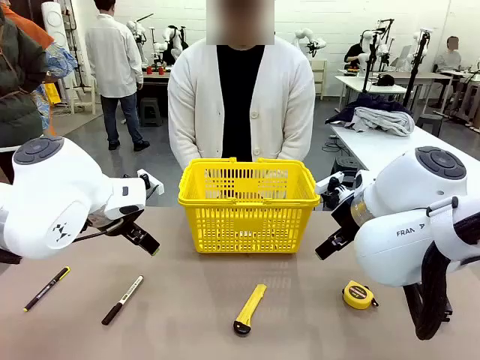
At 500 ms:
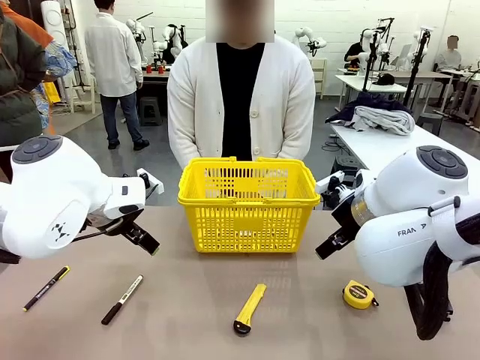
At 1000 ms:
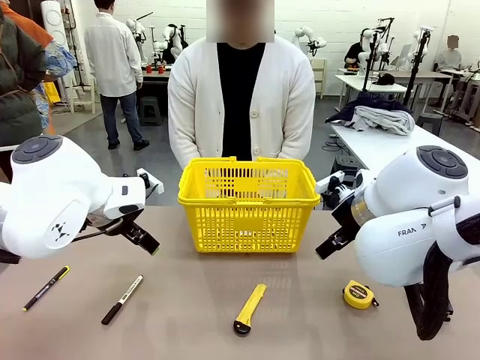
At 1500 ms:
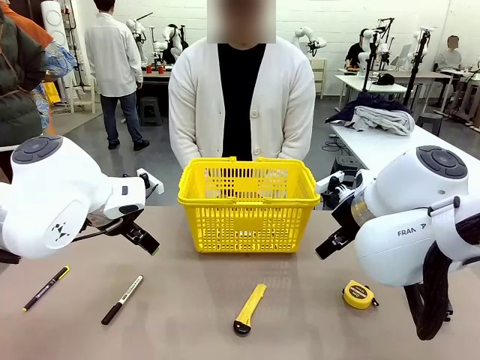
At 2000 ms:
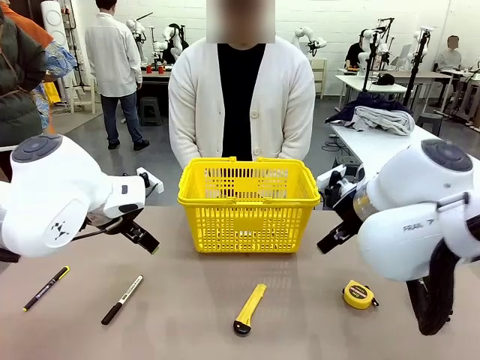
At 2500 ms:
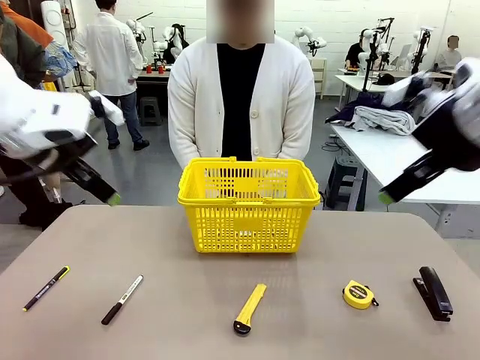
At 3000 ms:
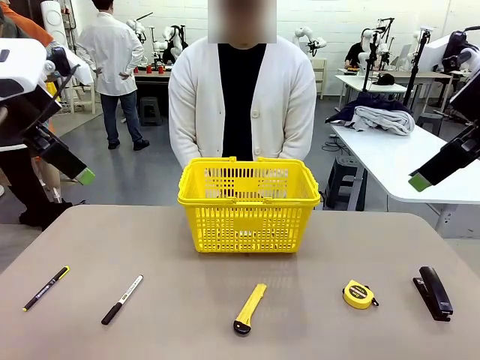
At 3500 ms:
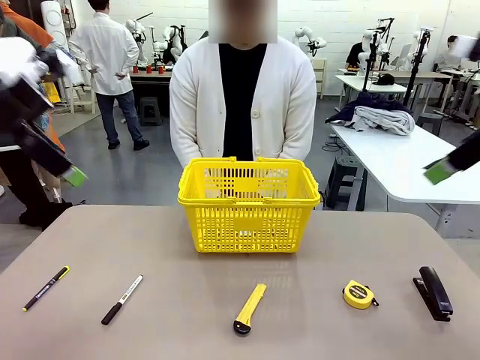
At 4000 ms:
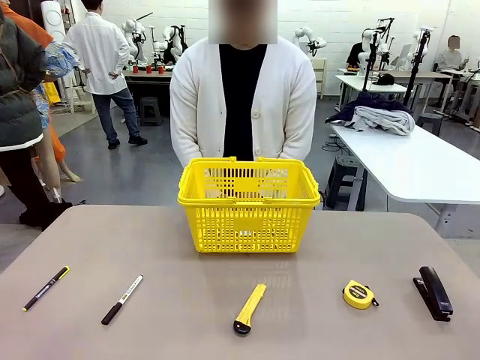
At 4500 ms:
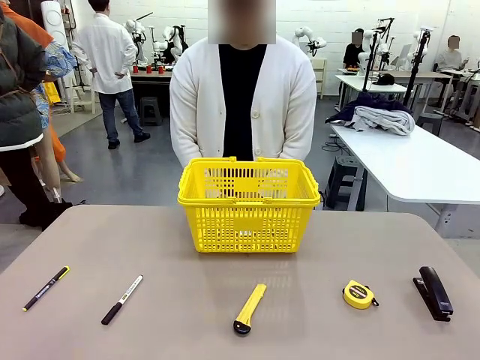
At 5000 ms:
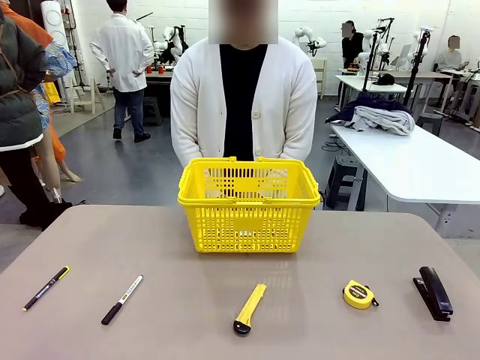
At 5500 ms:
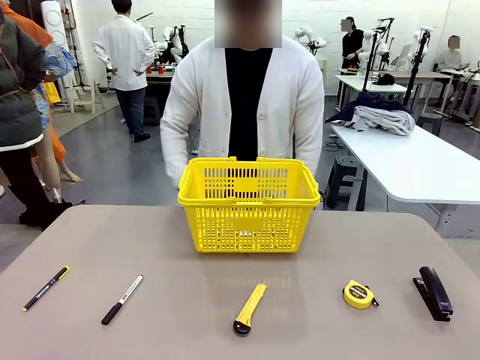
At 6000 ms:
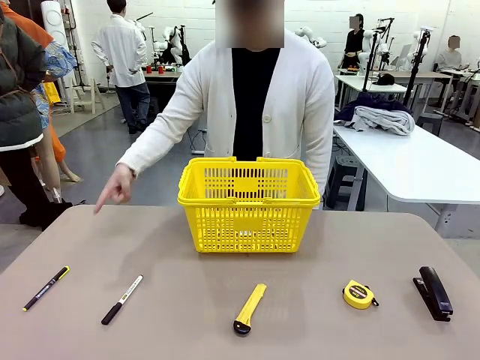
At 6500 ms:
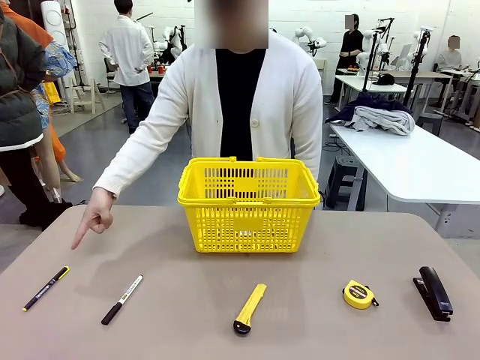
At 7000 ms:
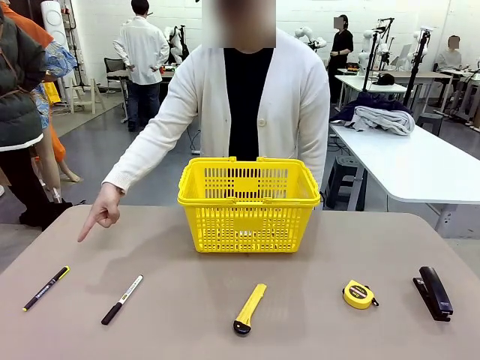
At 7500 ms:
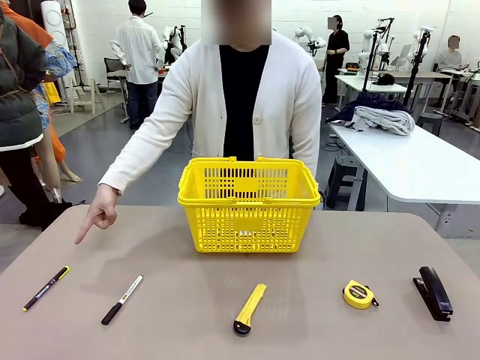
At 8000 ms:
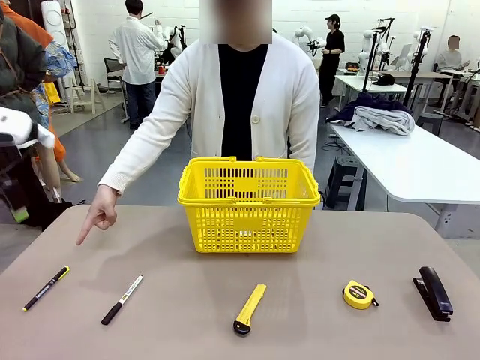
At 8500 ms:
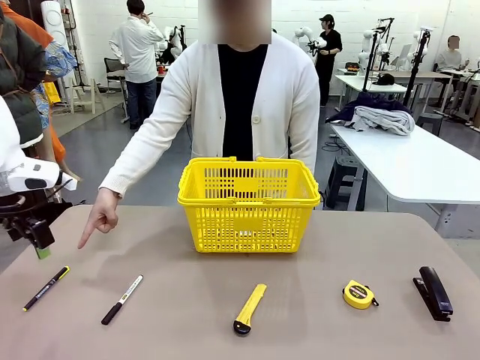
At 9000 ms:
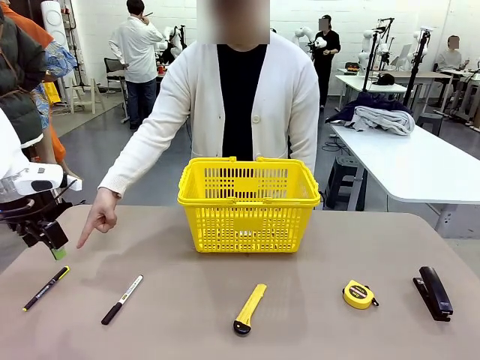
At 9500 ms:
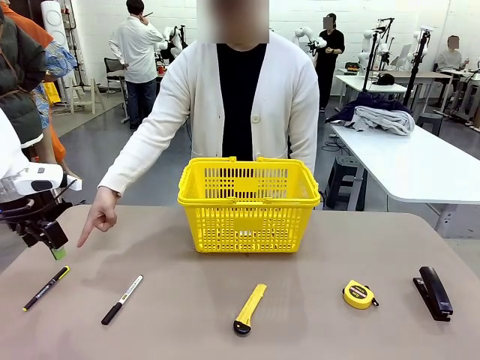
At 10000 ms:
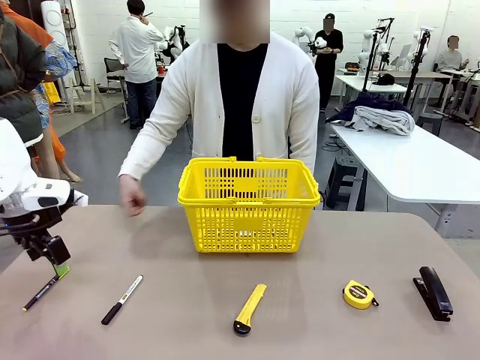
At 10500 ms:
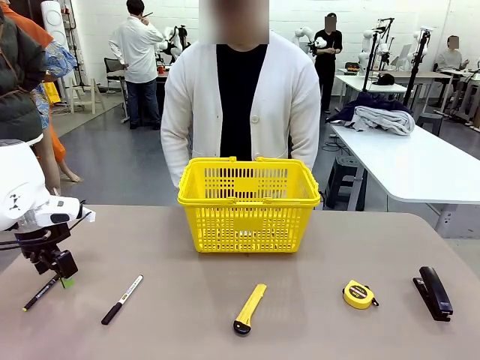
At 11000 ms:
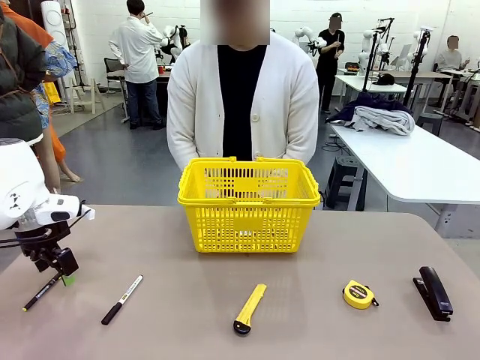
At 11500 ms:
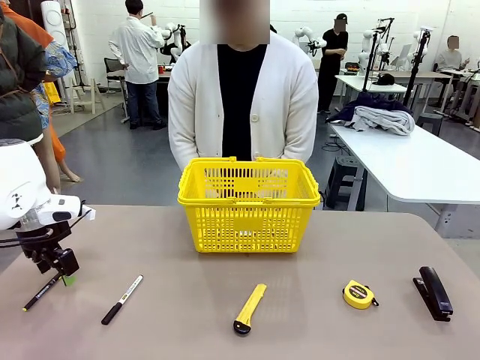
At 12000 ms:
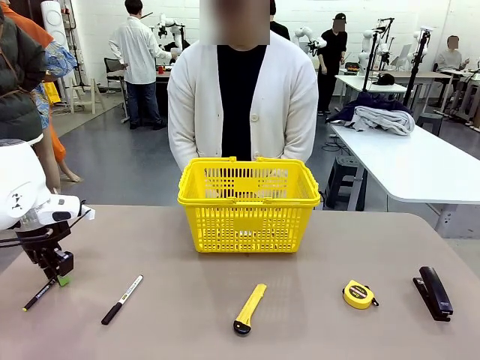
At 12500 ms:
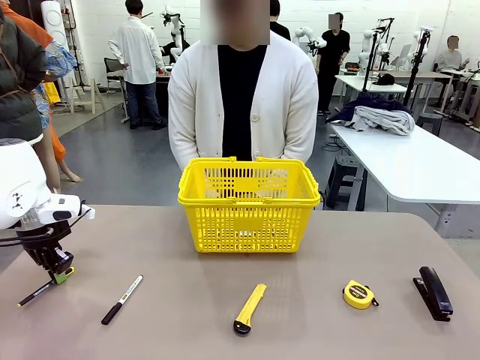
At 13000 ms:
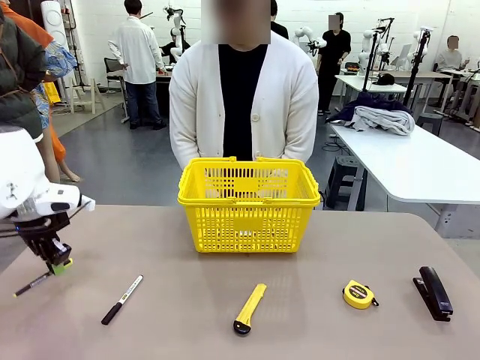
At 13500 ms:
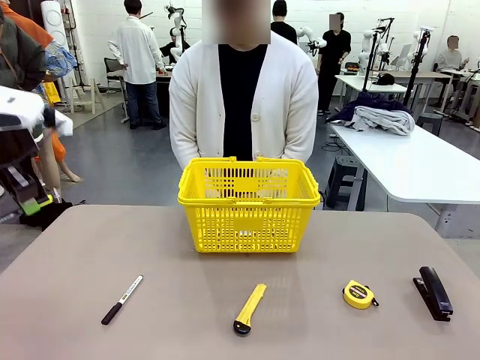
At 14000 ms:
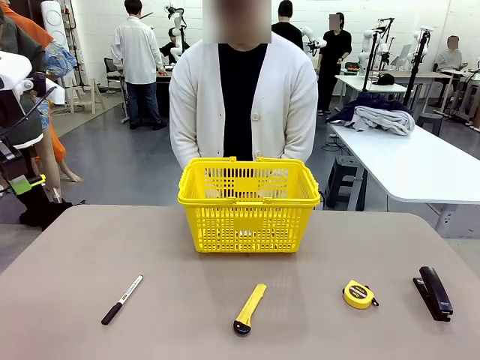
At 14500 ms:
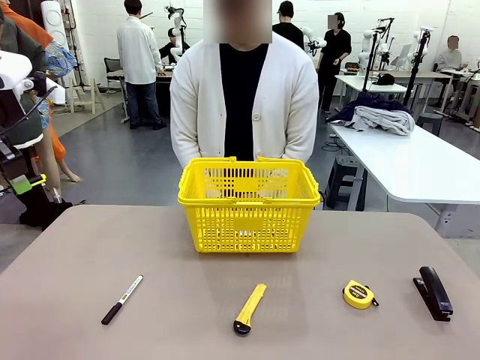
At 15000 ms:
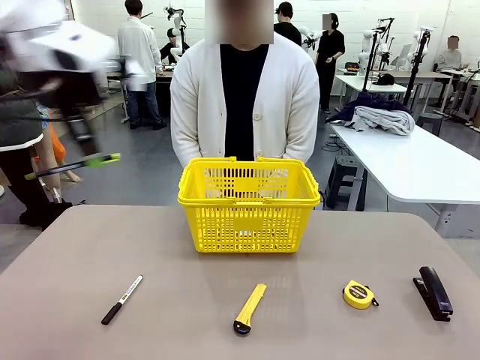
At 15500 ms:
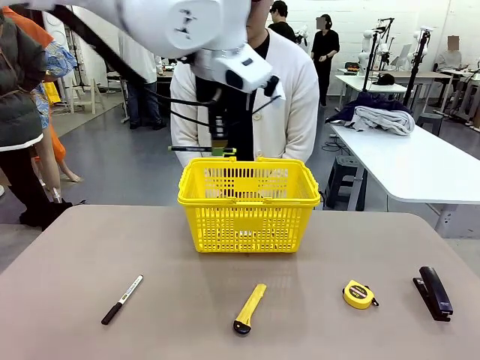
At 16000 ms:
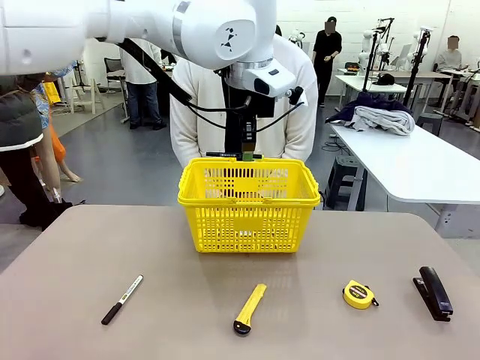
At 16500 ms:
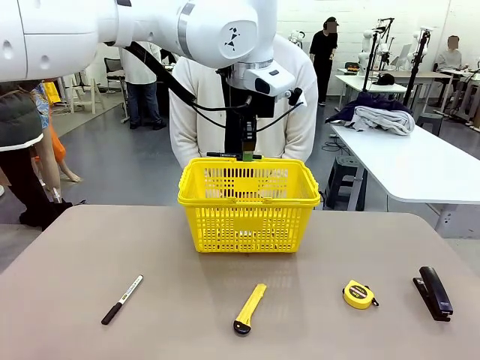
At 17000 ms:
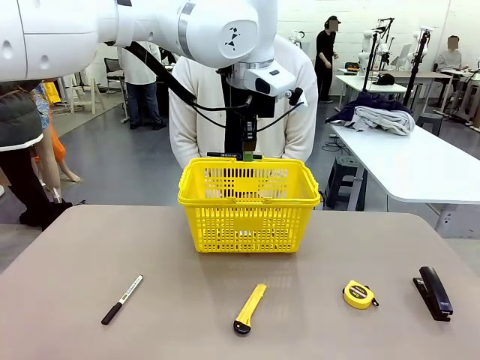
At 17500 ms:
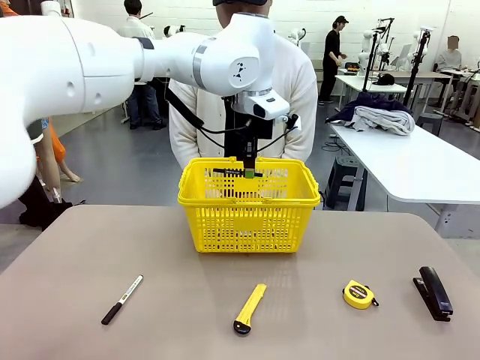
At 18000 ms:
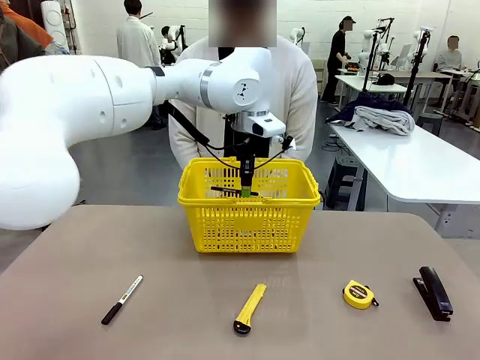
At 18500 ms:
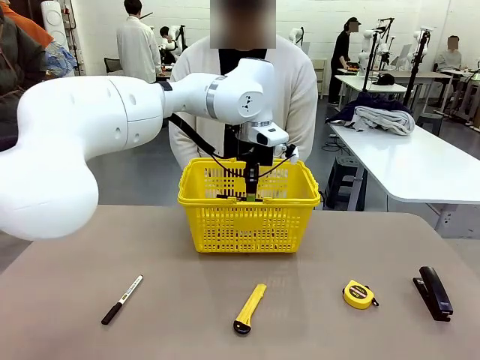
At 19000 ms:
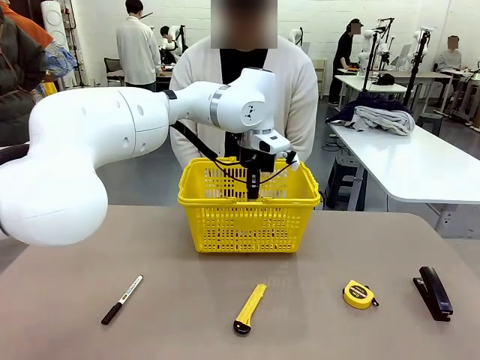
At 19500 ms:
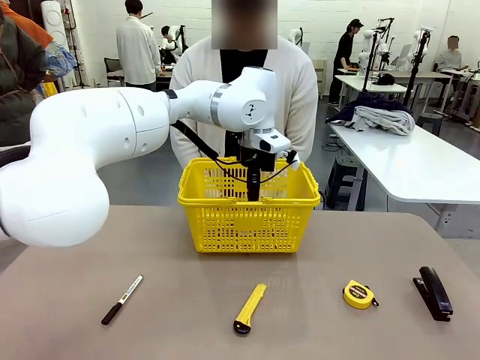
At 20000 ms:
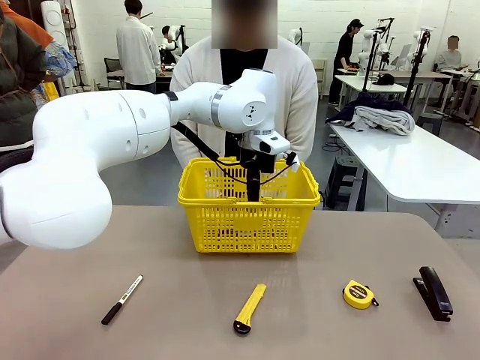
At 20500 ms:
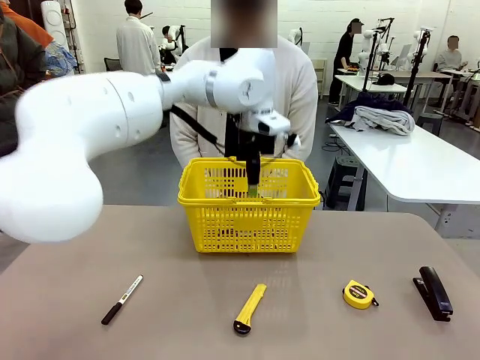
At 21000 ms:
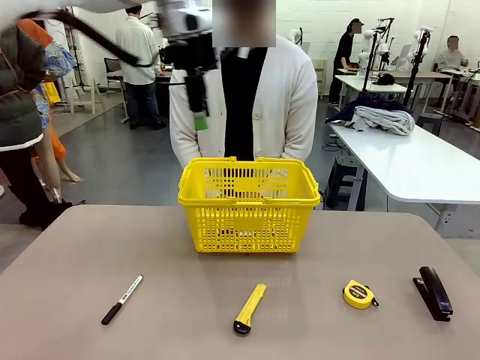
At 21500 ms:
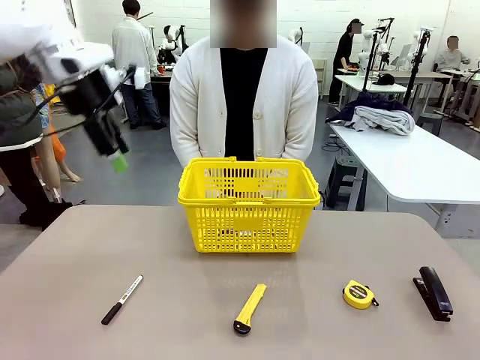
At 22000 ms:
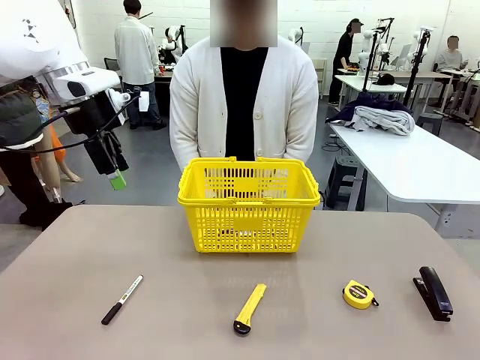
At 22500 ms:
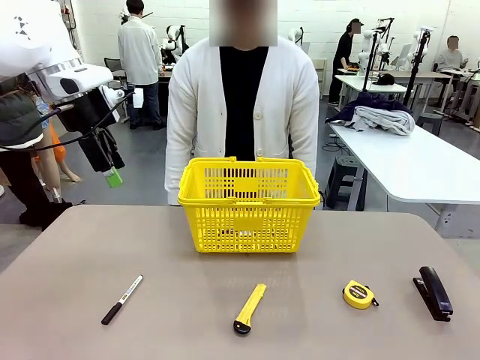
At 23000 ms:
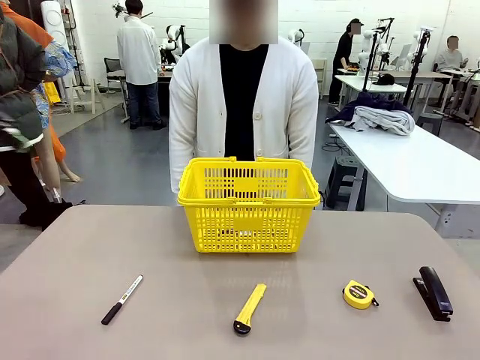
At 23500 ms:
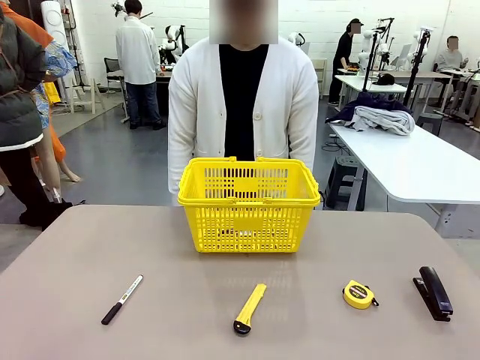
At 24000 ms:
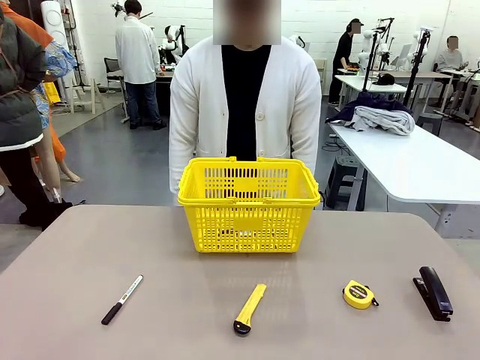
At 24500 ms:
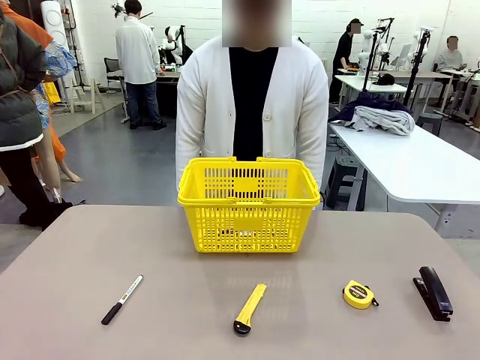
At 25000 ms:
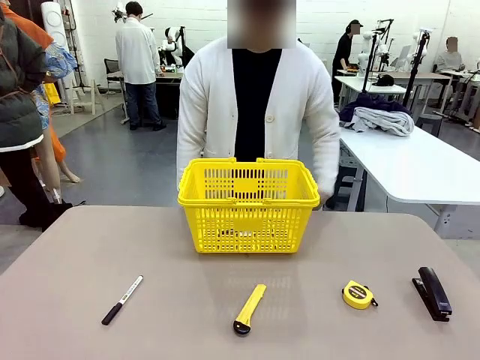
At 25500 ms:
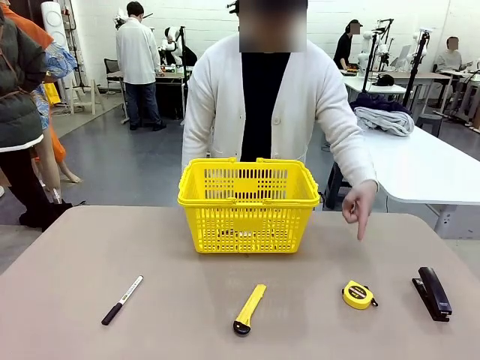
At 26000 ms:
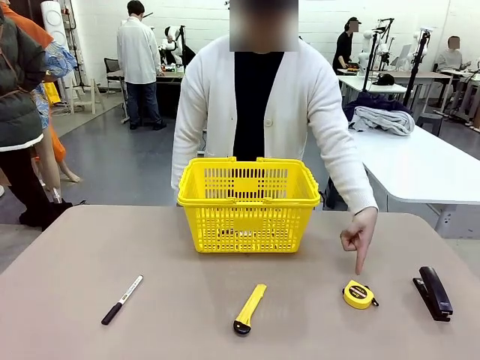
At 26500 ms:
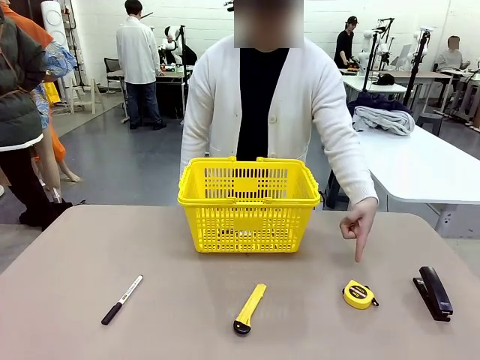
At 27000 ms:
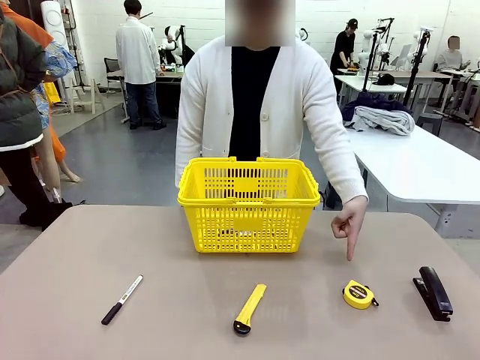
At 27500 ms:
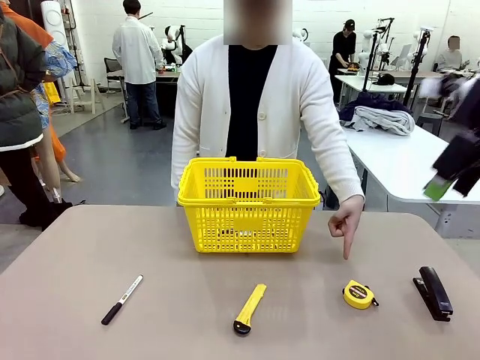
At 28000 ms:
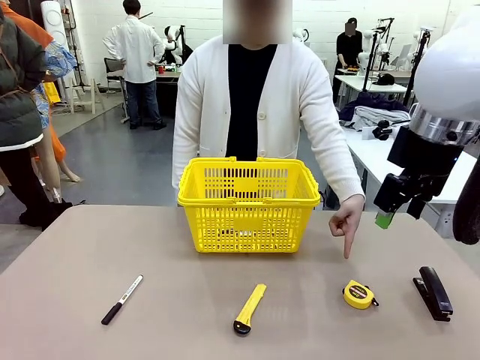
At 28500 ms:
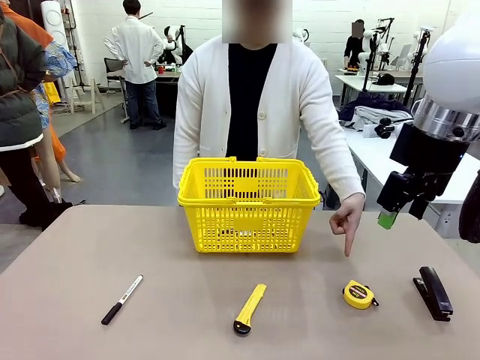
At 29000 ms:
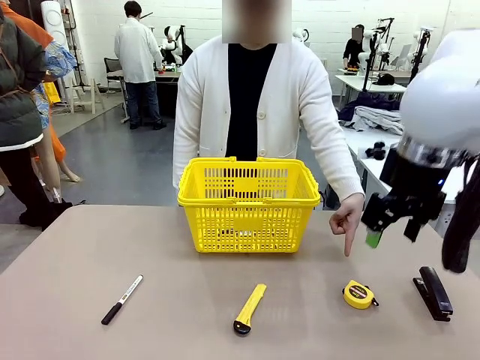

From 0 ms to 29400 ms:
Task: Place the items the person wants into the basket.
Robot: Pick up the item the person points to and place it in the Market Basket.
